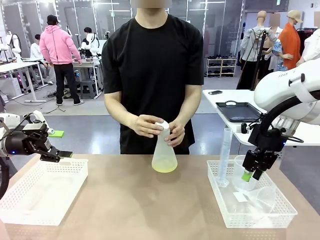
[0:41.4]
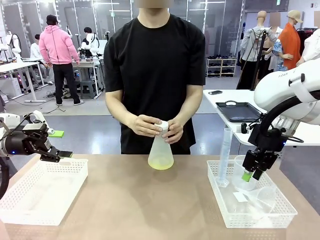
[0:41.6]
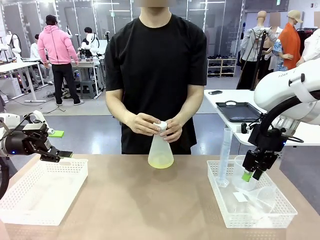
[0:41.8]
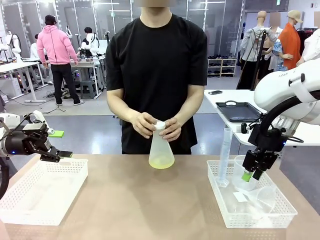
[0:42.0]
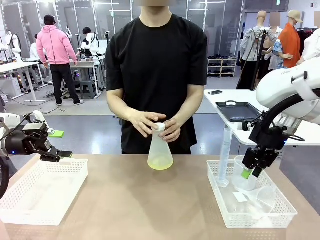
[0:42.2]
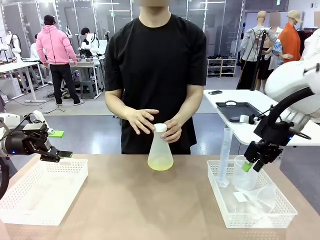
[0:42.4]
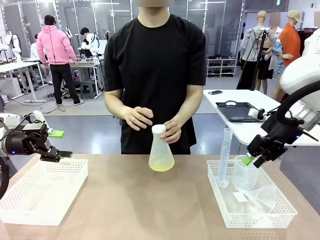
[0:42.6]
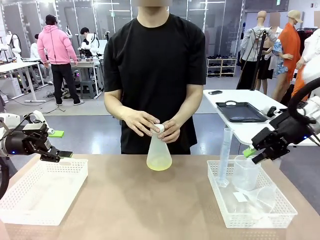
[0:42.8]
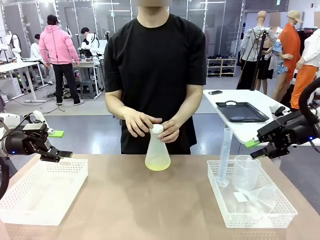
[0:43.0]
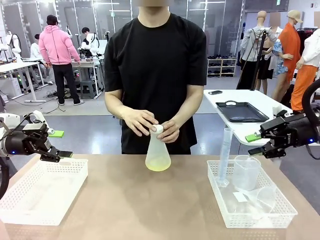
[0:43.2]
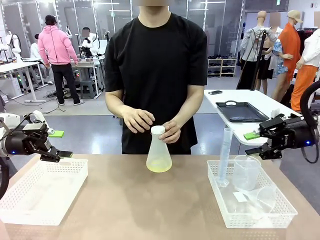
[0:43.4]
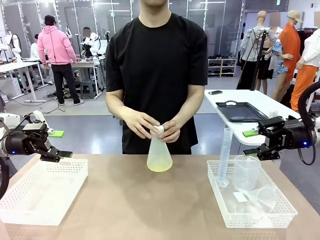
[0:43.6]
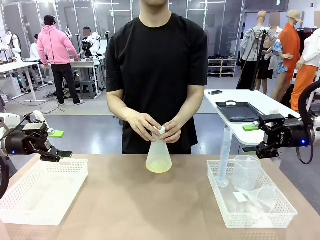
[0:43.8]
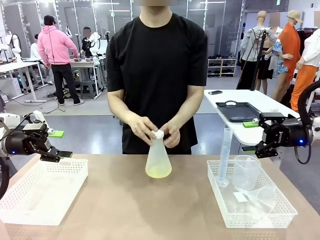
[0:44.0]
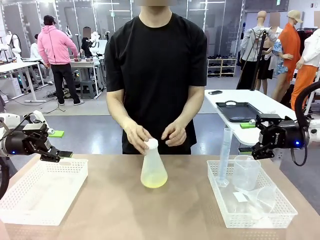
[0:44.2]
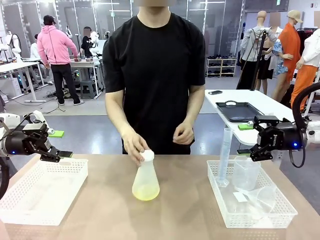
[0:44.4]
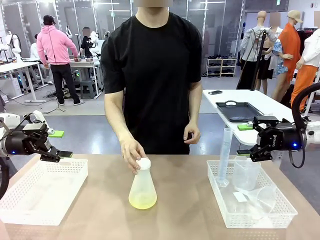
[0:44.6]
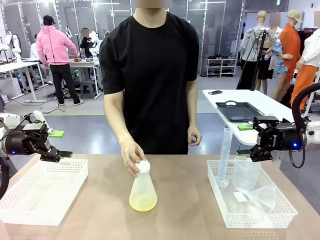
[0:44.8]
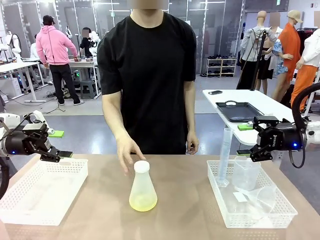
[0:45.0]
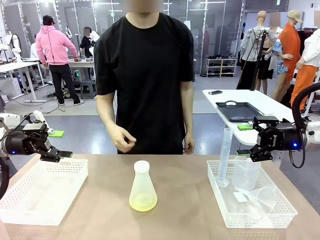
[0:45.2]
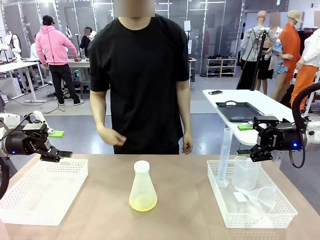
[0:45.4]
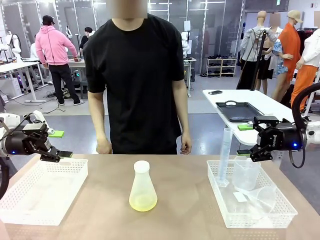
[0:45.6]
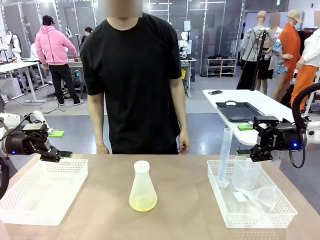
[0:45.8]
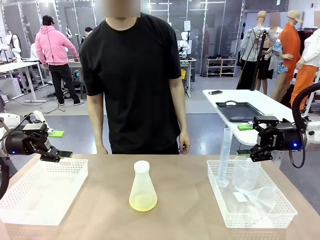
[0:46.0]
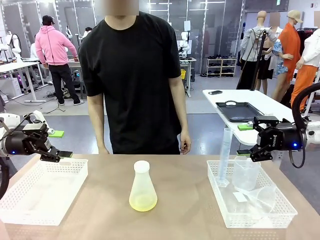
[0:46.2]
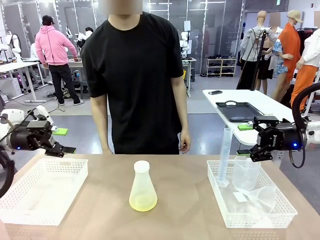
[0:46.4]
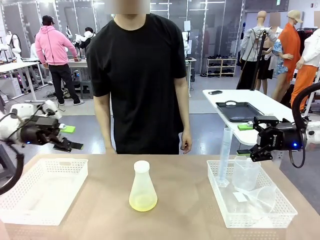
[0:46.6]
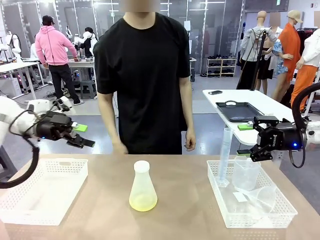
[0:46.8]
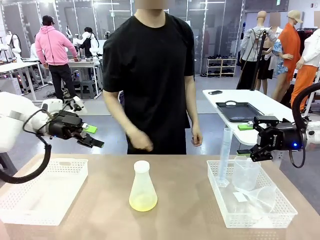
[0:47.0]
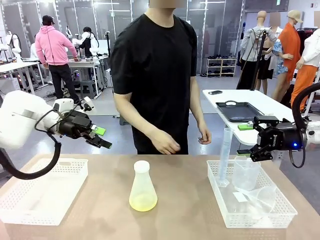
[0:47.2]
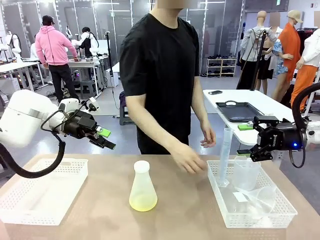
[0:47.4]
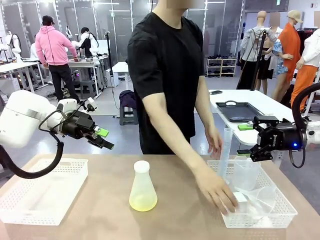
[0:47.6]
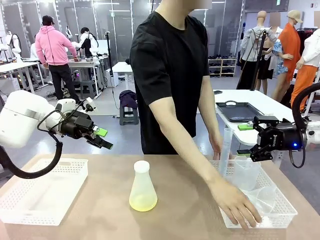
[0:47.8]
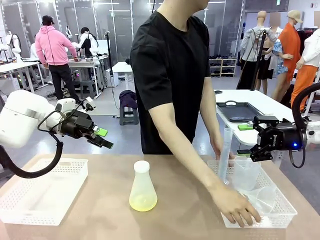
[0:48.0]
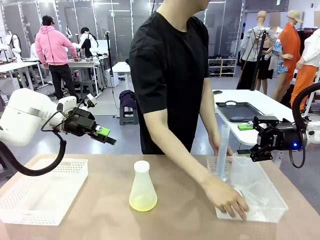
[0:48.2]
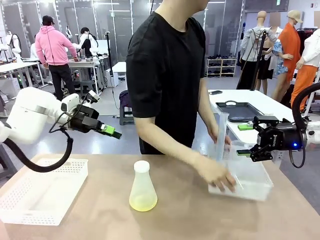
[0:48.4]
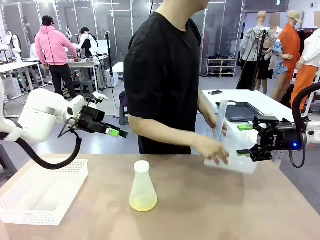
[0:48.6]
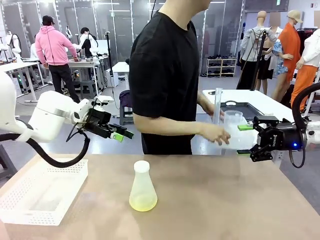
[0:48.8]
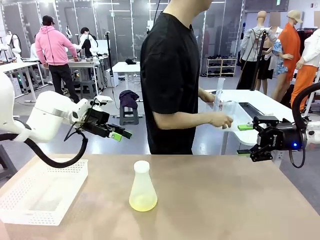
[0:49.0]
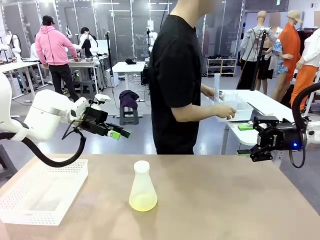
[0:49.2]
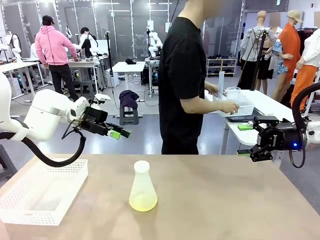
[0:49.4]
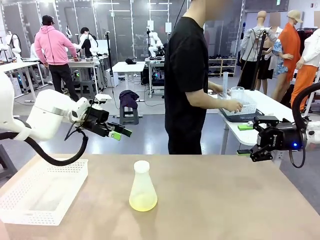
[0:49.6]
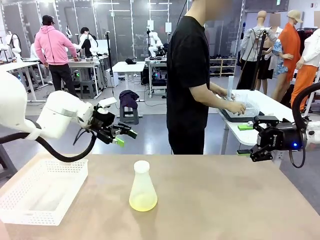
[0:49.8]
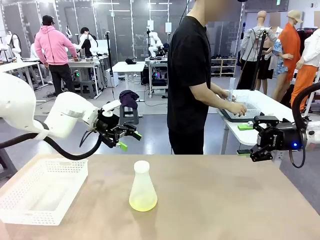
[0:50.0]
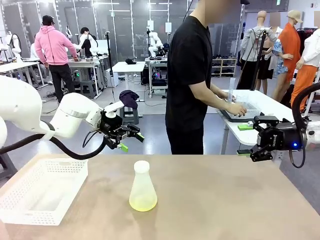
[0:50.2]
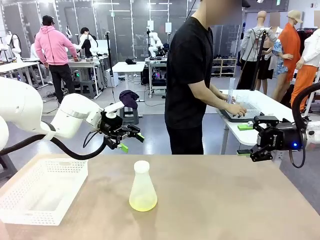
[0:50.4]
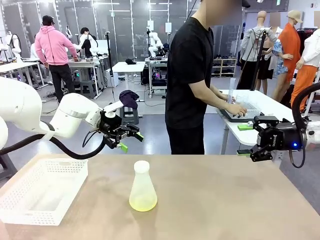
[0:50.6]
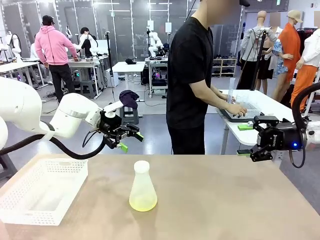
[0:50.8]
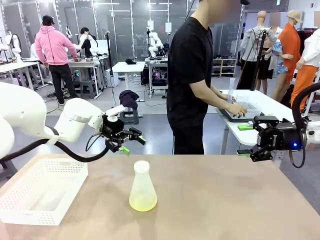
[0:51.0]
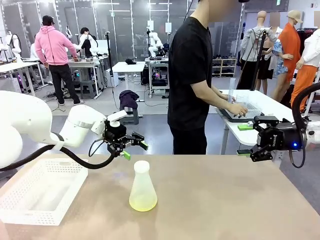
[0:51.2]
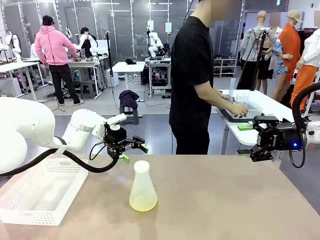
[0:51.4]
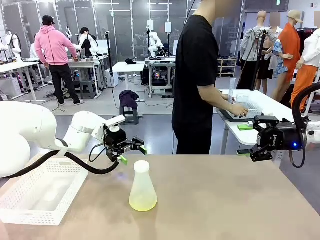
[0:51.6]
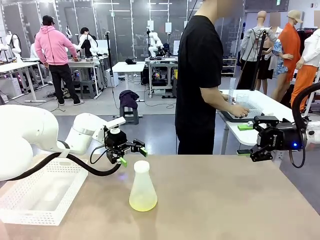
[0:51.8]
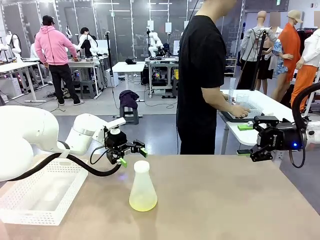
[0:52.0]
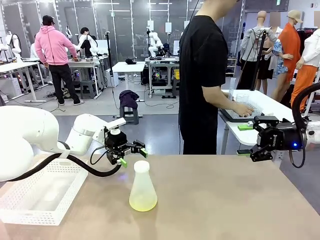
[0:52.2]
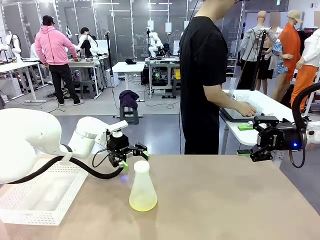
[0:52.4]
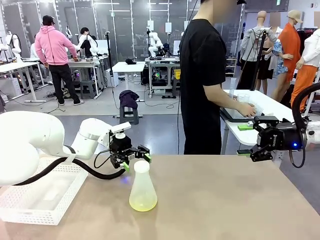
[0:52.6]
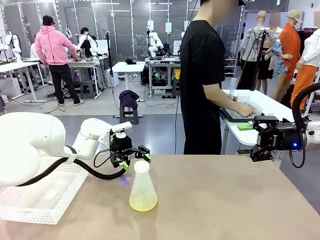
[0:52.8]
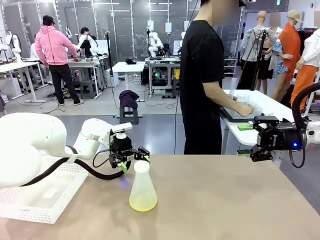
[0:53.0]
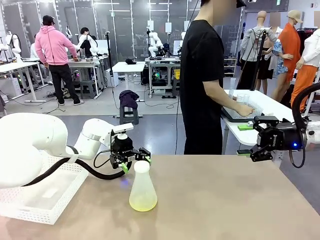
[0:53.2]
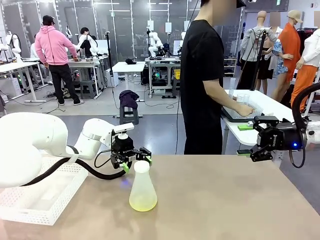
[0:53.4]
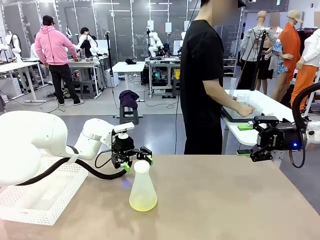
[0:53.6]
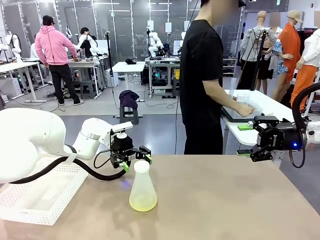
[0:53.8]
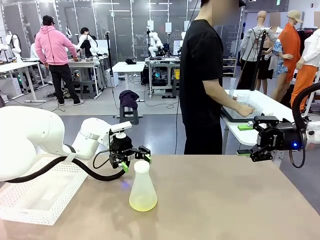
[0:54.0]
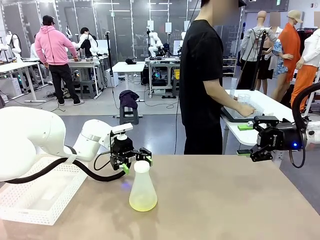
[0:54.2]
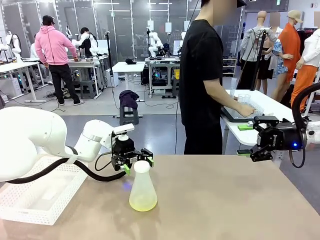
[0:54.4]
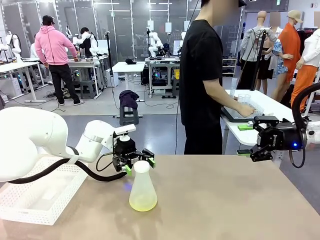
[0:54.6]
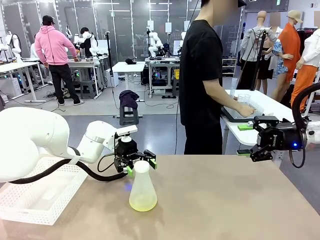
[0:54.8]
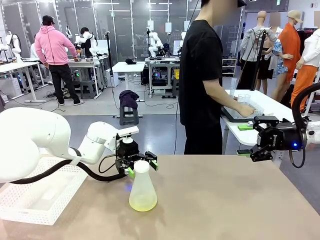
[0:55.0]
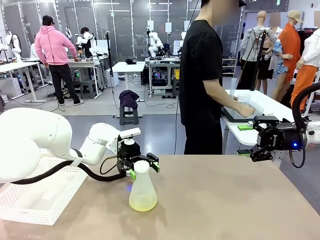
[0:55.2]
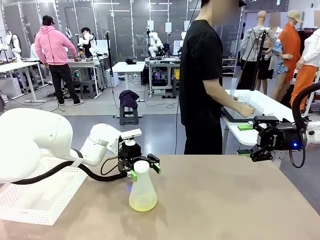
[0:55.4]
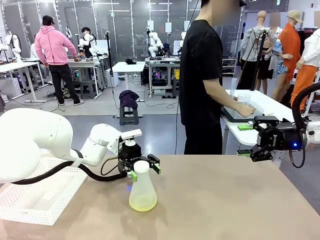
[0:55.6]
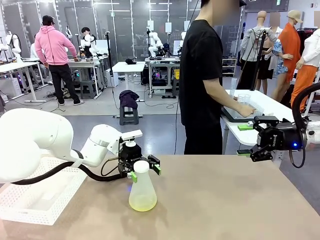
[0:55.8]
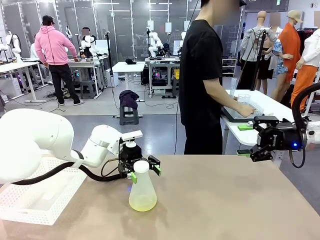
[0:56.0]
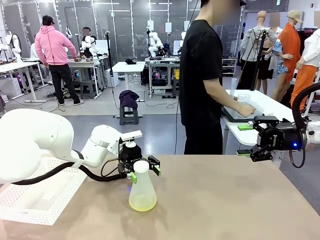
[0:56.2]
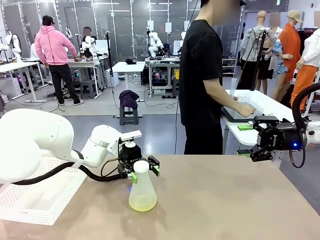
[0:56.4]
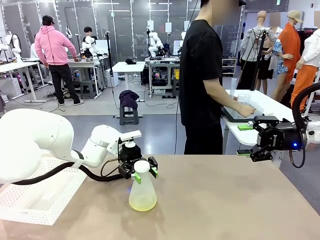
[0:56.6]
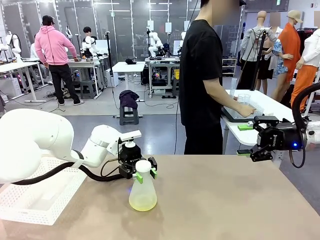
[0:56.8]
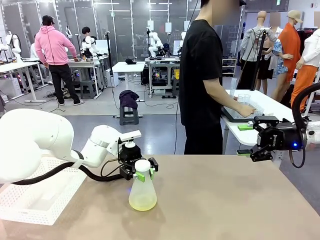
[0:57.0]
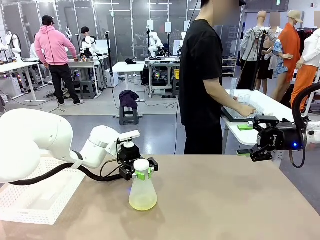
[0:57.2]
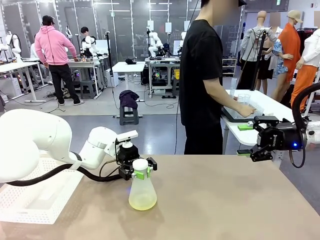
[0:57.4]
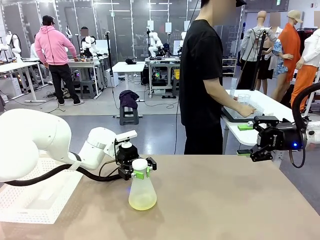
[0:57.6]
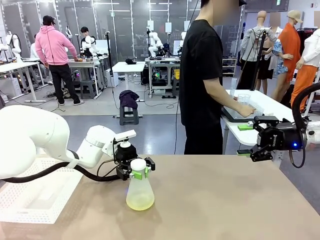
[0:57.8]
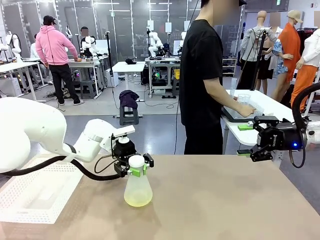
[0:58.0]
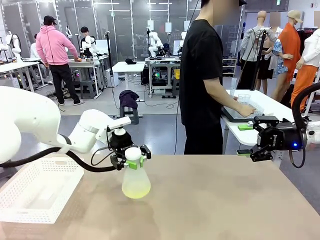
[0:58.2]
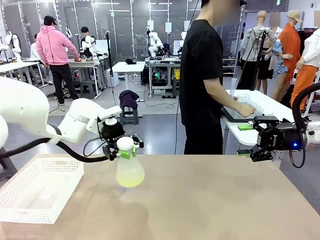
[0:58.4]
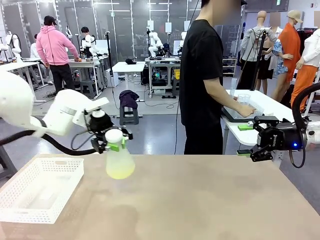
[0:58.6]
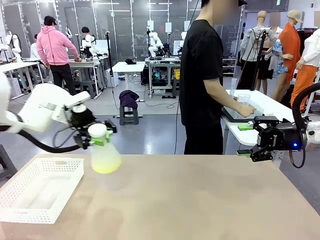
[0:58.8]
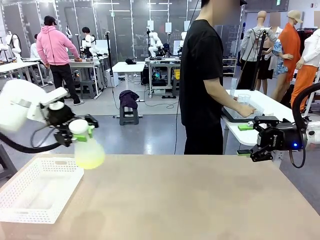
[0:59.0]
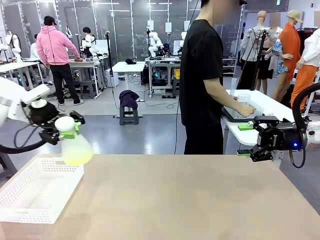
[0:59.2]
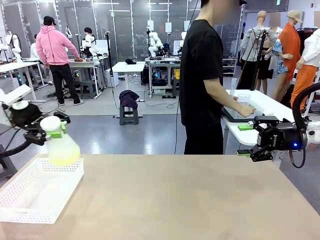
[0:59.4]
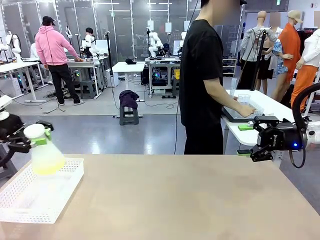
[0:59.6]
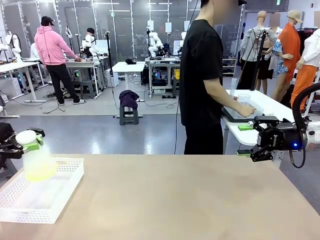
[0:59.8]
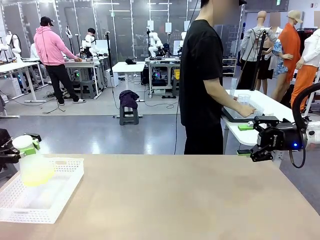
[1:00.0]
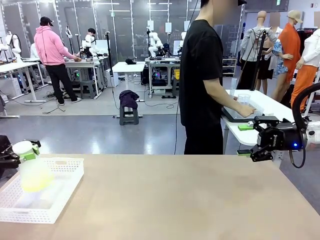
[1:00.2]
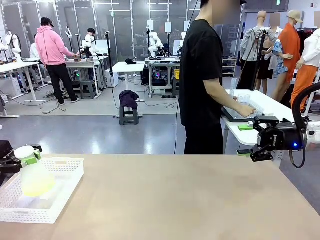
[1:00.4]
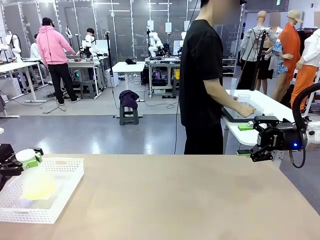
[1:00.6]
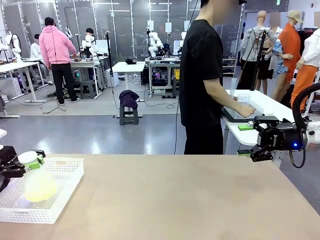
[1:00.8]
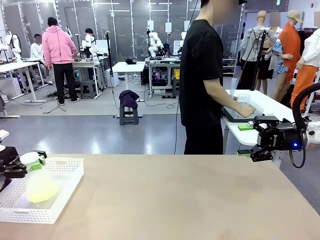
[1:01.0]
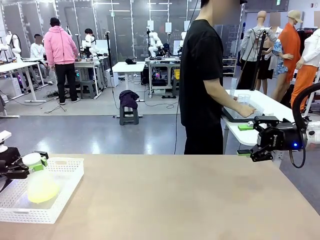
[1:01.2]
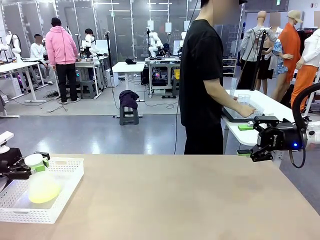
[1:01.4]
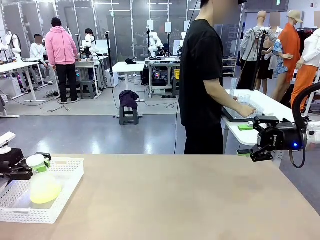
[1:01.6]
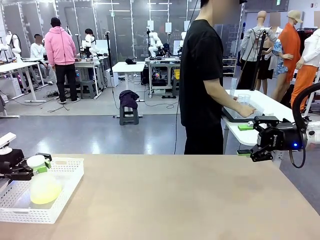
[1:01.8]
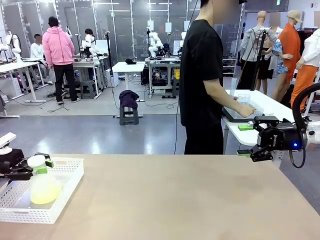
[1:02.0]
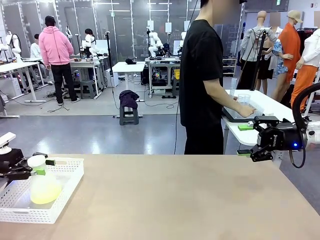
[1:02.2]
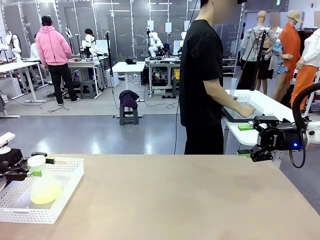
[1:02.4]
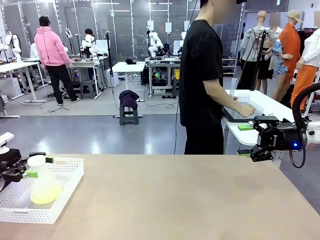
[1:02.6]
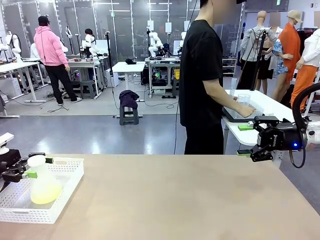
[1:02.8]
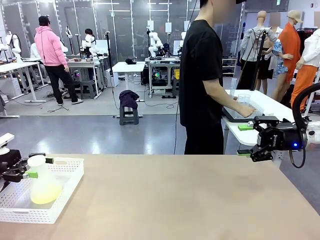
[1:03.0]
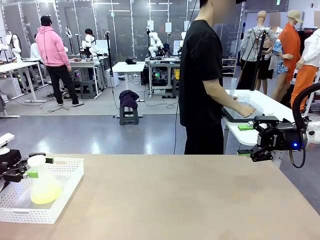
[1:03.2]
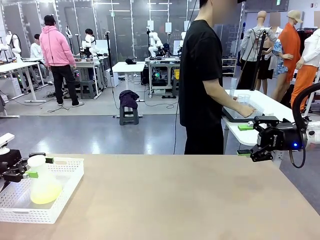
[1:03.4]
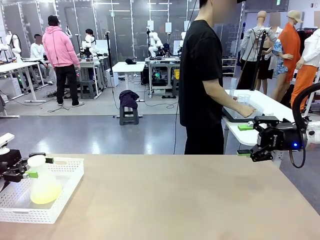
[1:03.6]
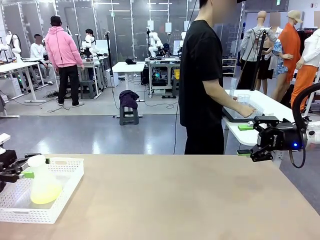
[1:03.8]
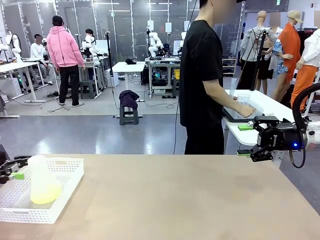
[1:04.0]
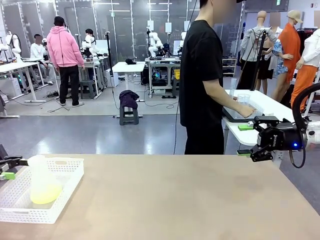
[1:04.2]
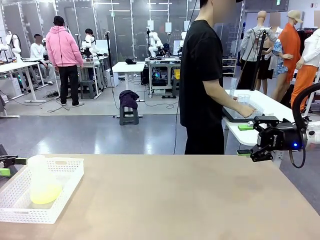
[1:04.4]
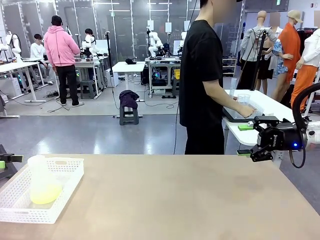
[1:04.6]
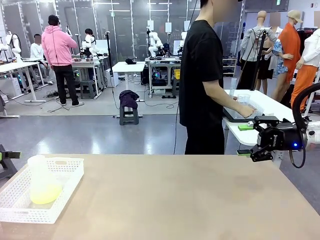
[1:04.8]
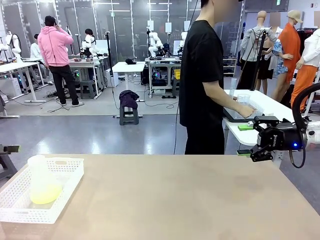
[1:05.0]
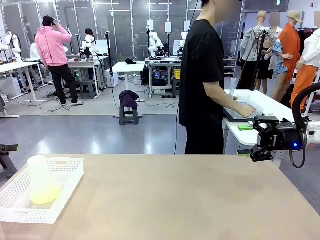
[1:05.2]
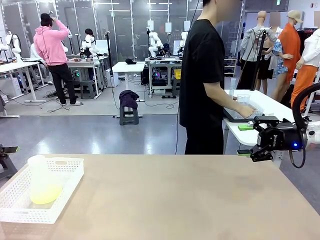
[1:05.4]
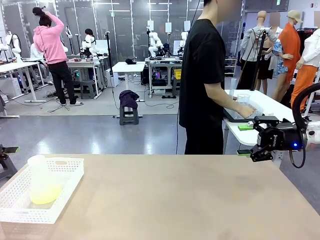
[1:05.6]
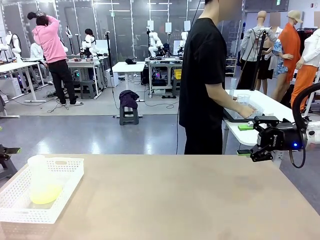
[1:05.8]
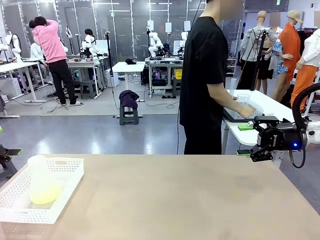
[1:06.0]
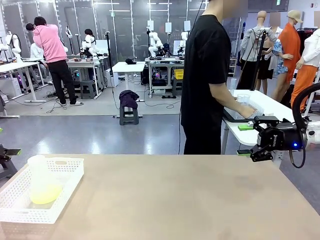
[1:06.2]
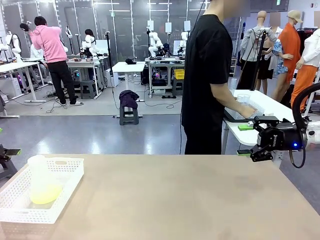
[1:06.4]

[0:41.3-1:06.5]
Task: Prepare the solutions needed for the experiment.
Robot: When the human places the Big flask in the center of the table, pick up the Big flask and place it in the left Organizing basket.
Person: Pick up the organizing basket on the left side of the robot table and place it on the left side of the human table.
